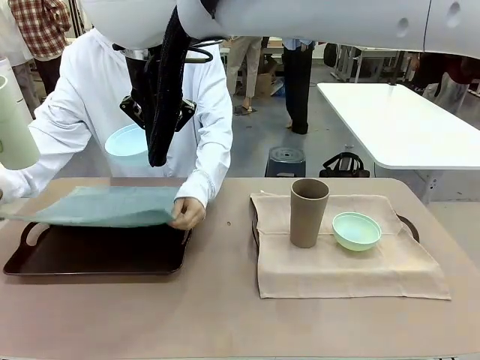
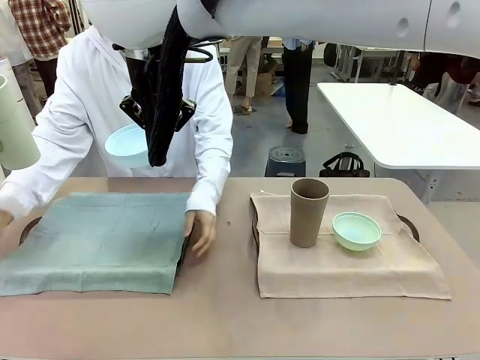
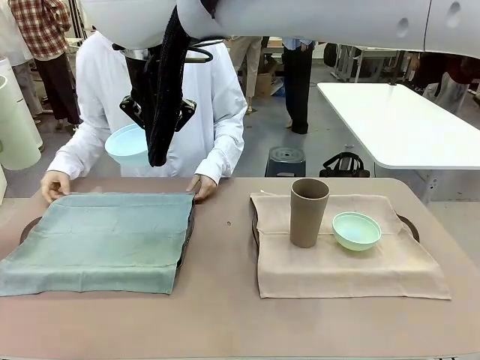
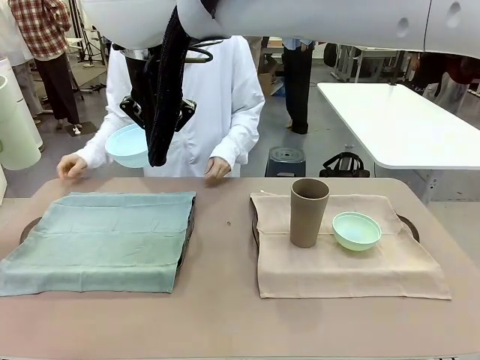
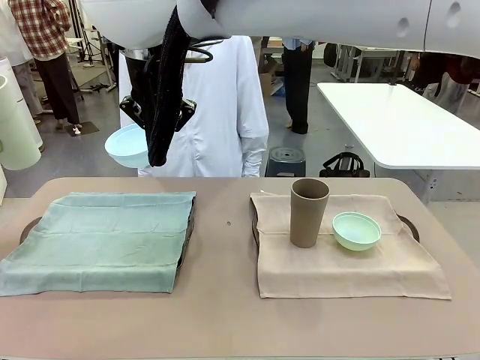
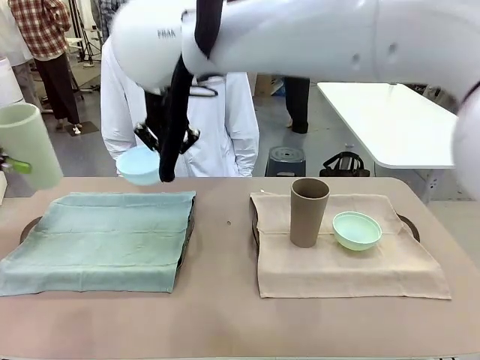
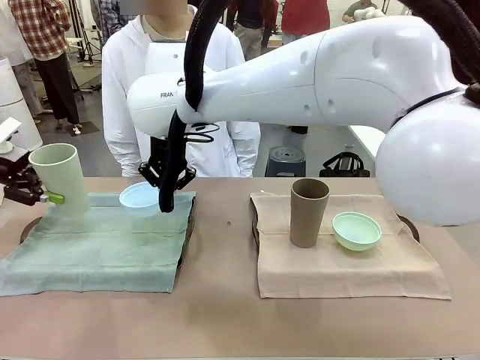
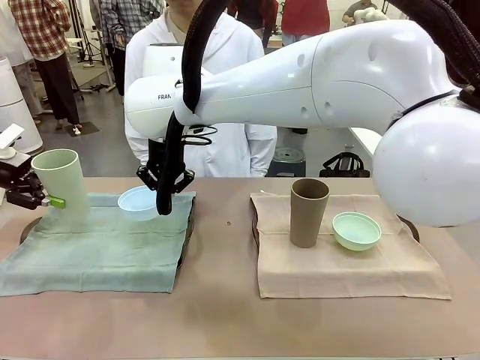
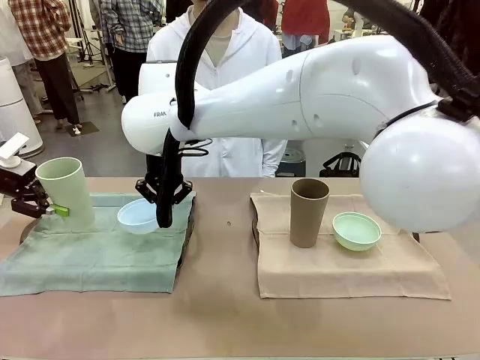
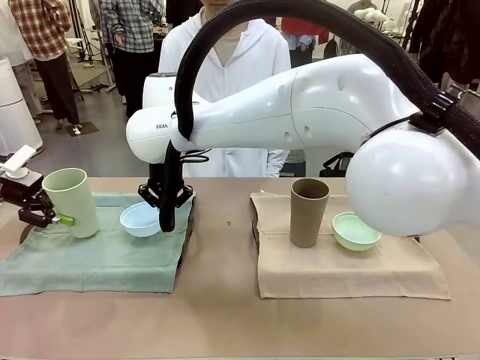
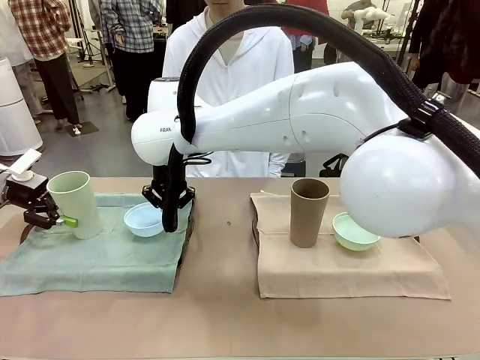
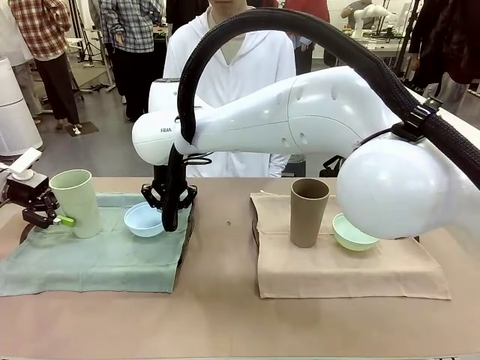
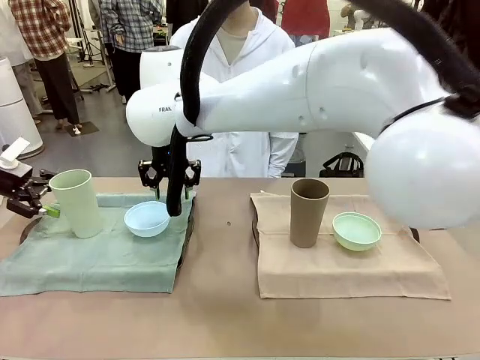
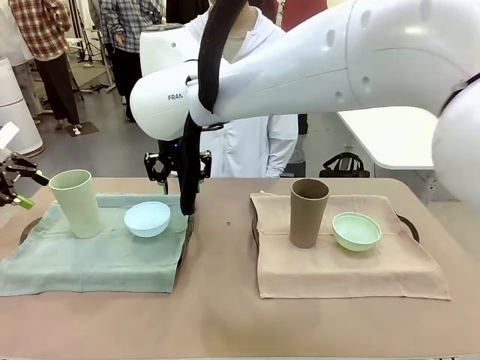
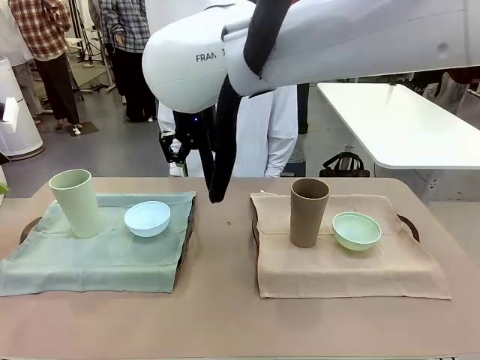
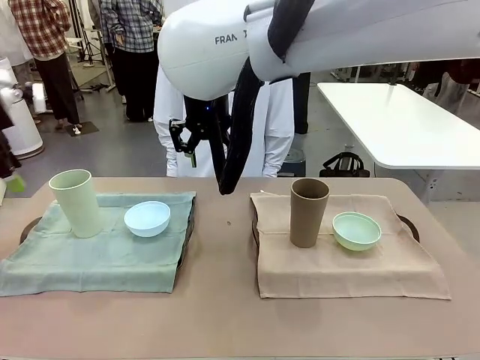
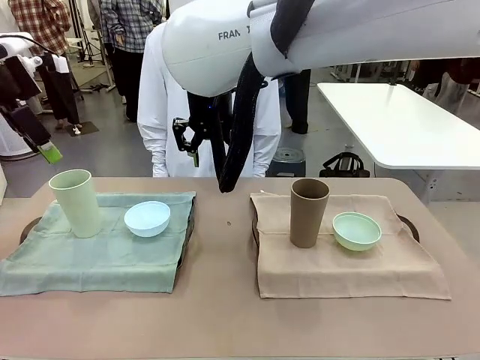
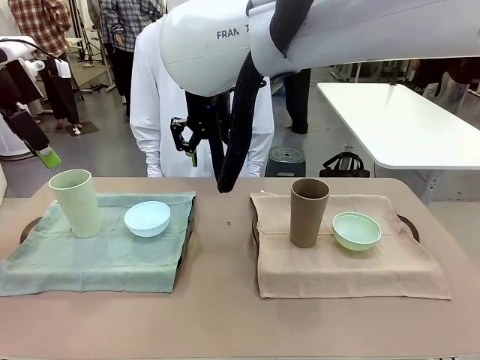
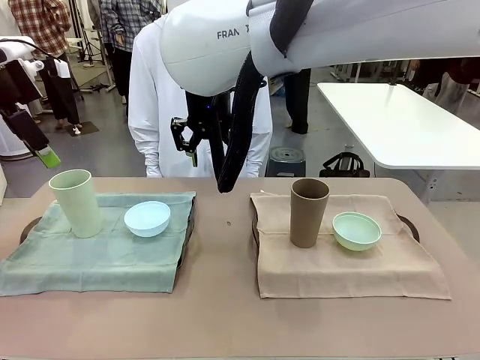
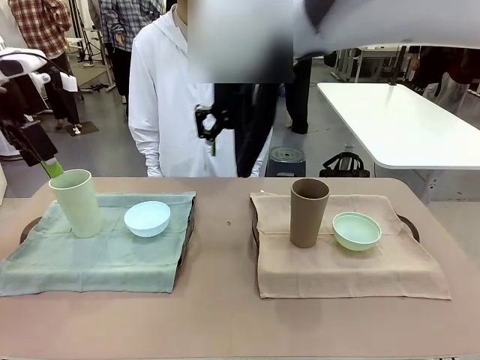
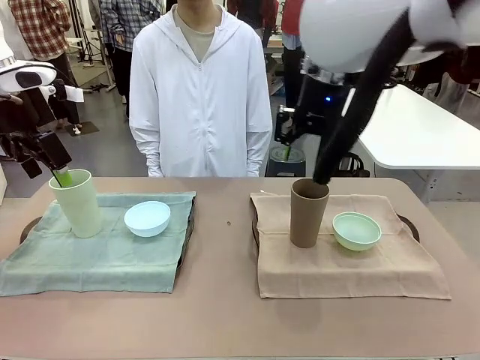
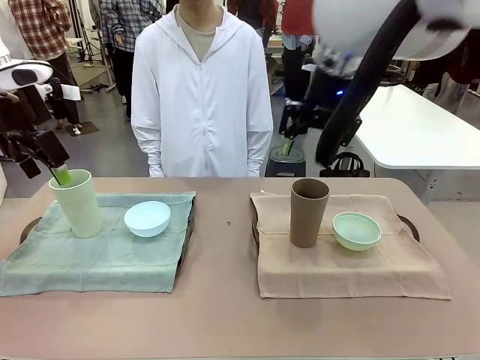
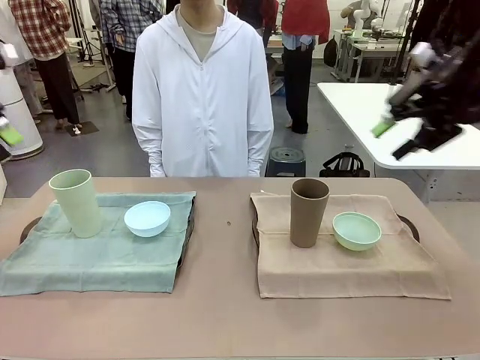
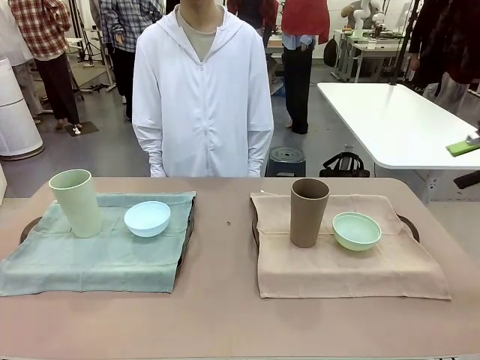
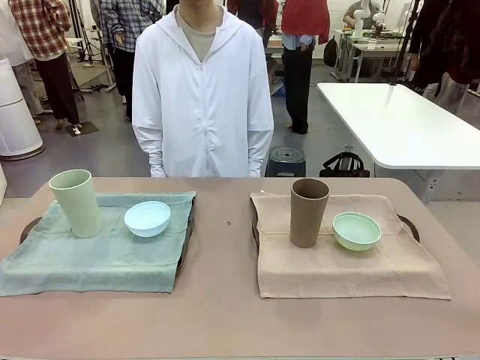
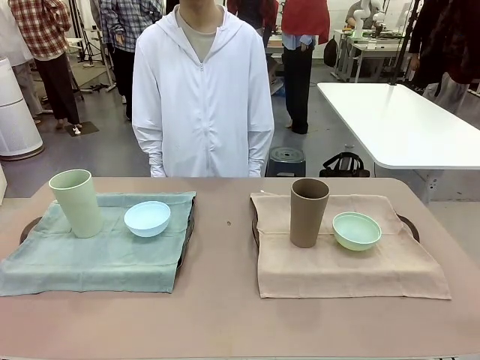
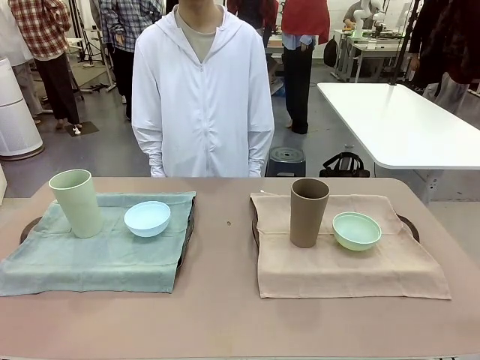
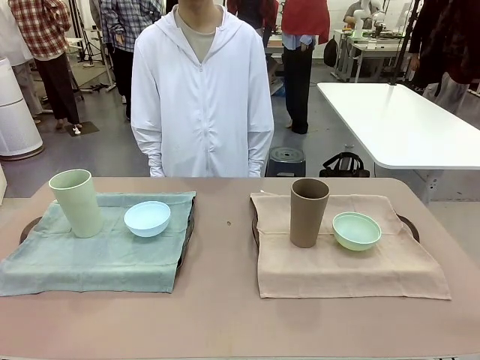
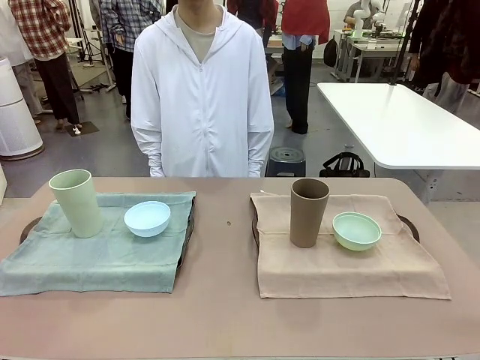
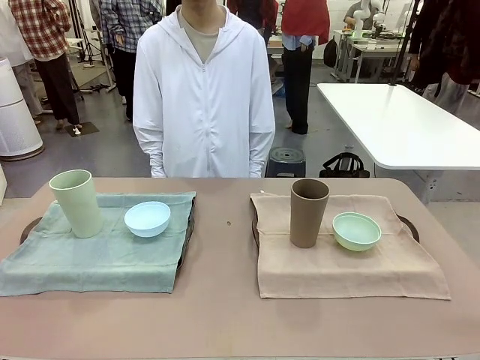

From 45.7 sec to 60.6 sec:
Robot: Place the Picnic Bowl and Reusable plastic cup back onto the Handle tray in front of the human's position.
Person: When the robot lifts the bowl and the cup, the human unfolds the napkin and lays the napkin flat on the tray.
